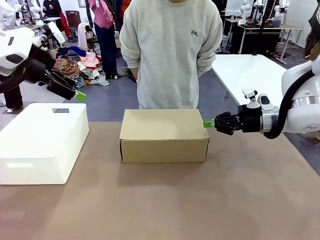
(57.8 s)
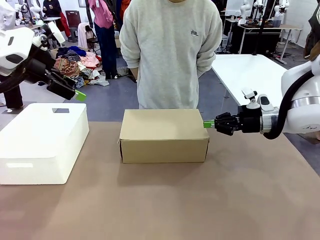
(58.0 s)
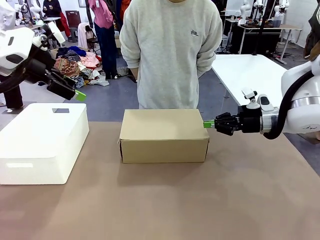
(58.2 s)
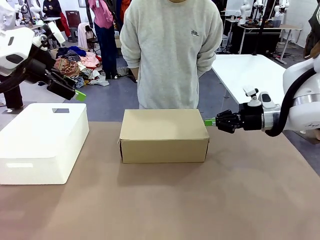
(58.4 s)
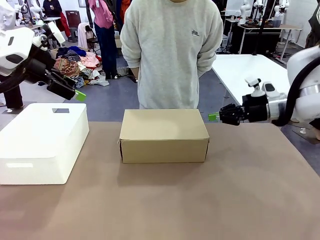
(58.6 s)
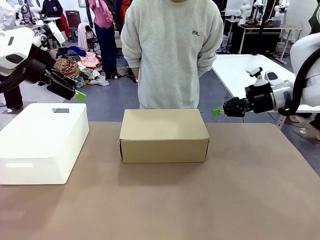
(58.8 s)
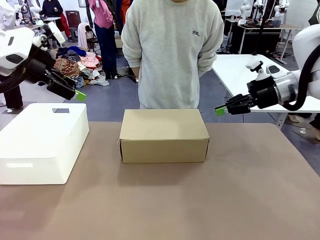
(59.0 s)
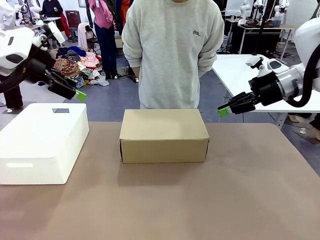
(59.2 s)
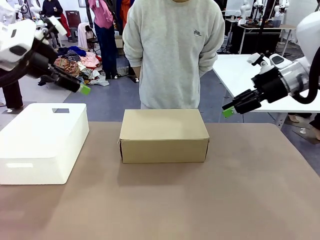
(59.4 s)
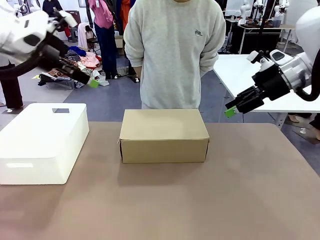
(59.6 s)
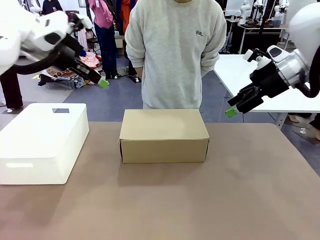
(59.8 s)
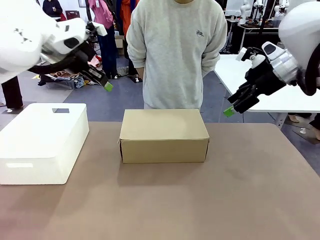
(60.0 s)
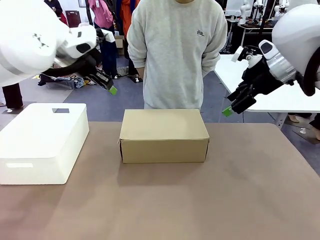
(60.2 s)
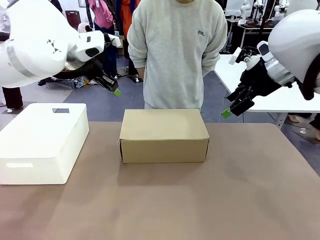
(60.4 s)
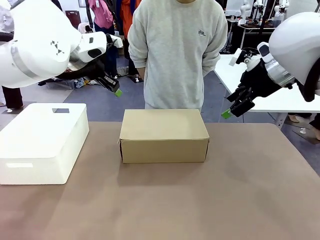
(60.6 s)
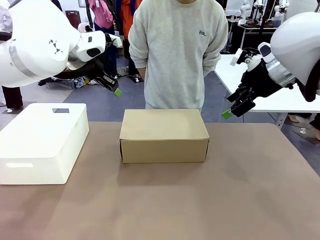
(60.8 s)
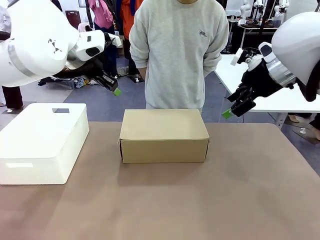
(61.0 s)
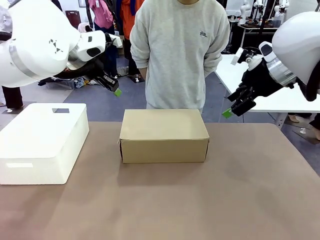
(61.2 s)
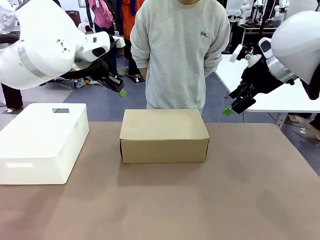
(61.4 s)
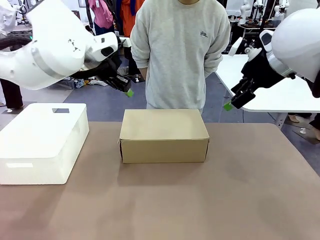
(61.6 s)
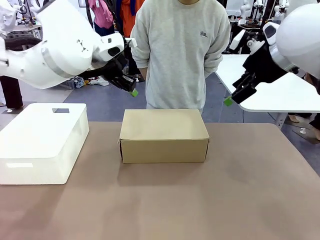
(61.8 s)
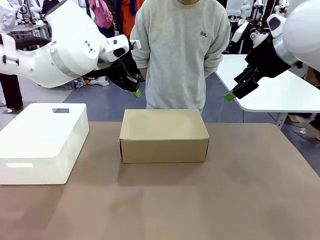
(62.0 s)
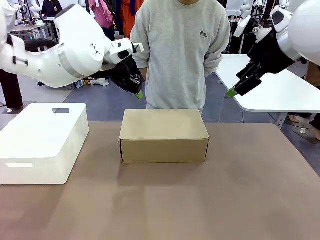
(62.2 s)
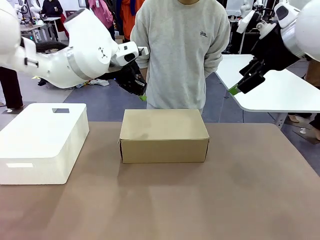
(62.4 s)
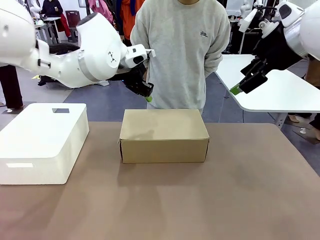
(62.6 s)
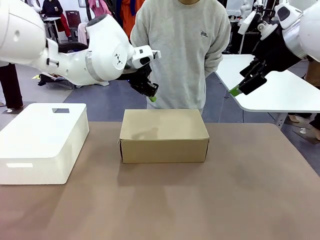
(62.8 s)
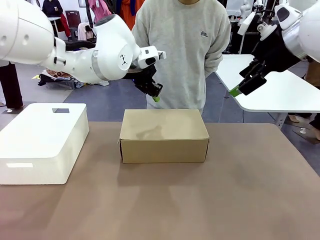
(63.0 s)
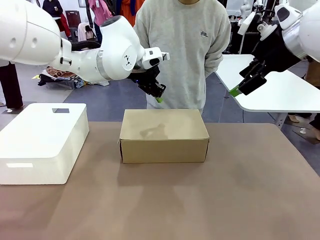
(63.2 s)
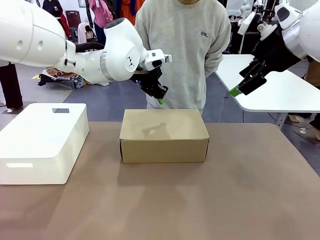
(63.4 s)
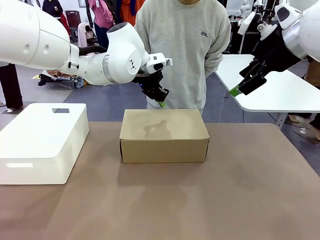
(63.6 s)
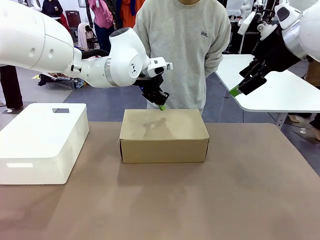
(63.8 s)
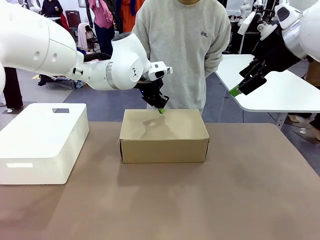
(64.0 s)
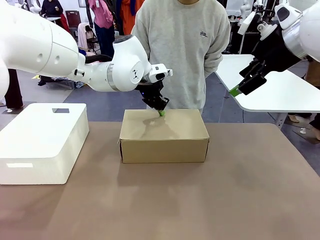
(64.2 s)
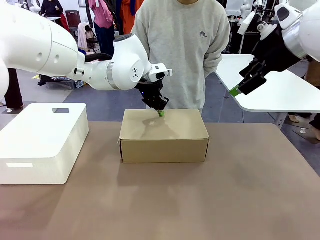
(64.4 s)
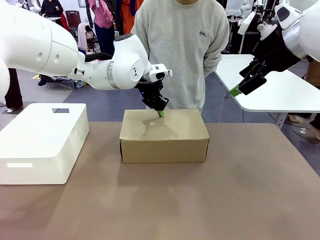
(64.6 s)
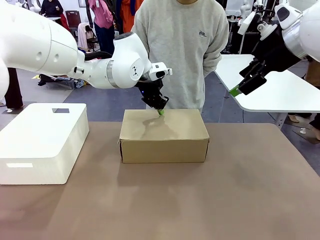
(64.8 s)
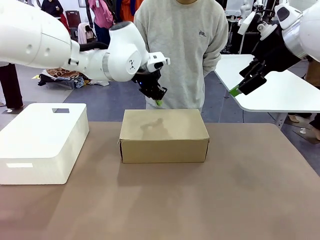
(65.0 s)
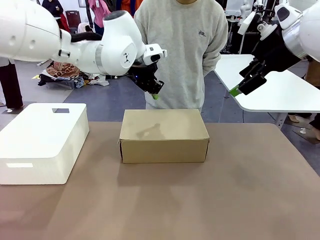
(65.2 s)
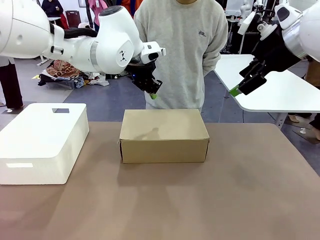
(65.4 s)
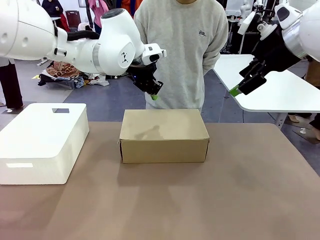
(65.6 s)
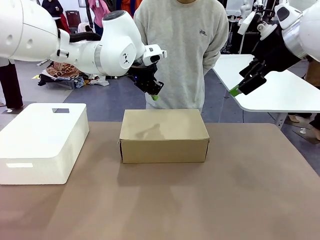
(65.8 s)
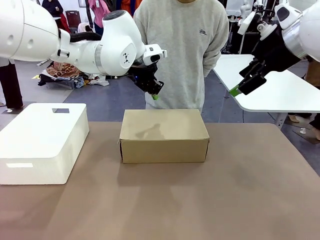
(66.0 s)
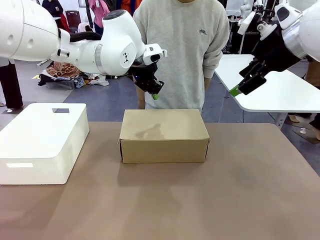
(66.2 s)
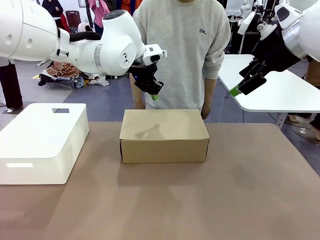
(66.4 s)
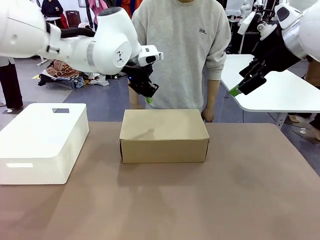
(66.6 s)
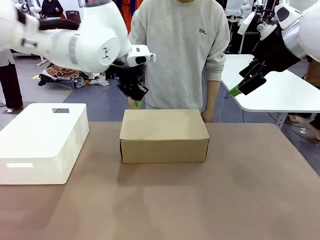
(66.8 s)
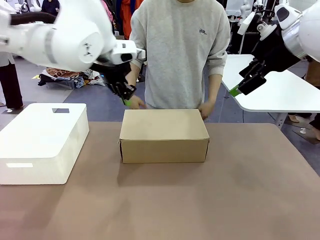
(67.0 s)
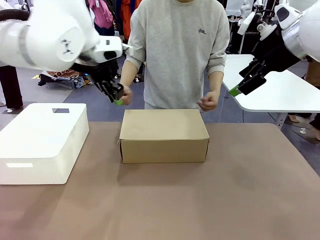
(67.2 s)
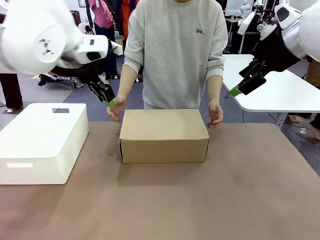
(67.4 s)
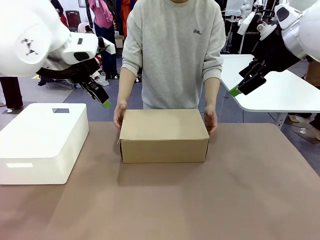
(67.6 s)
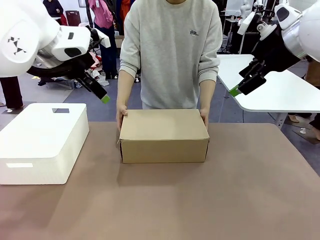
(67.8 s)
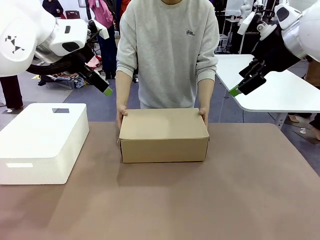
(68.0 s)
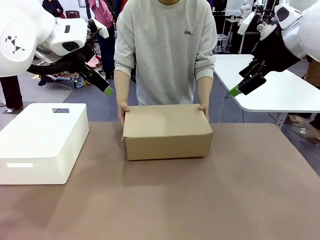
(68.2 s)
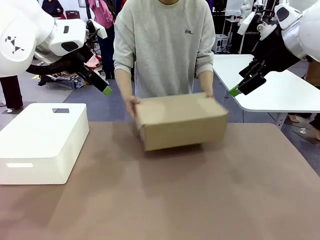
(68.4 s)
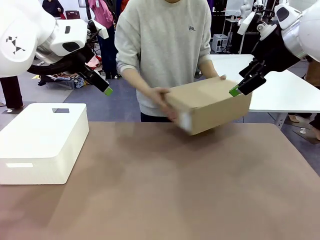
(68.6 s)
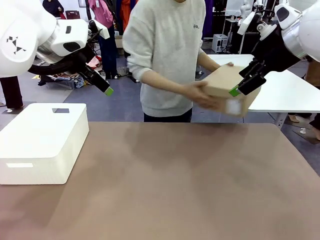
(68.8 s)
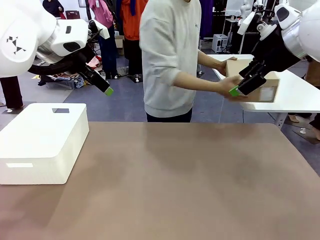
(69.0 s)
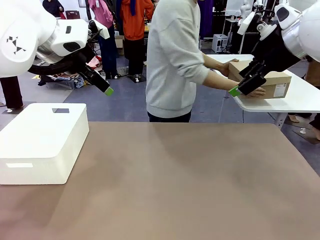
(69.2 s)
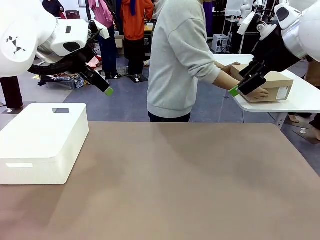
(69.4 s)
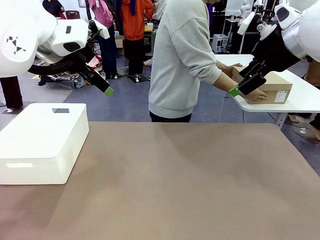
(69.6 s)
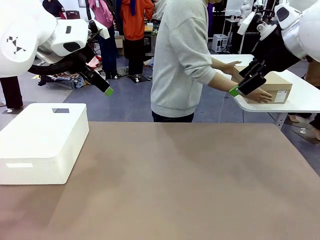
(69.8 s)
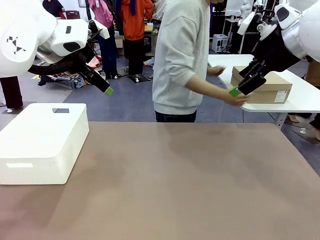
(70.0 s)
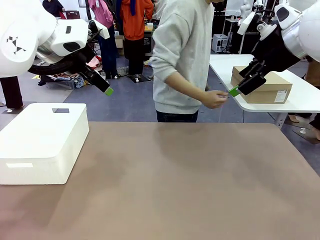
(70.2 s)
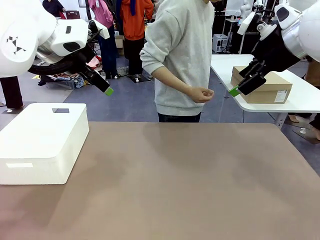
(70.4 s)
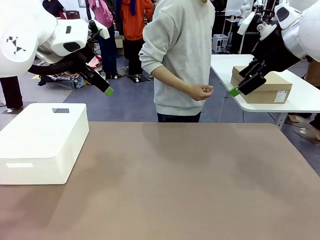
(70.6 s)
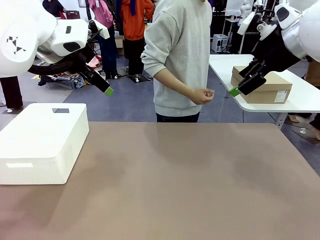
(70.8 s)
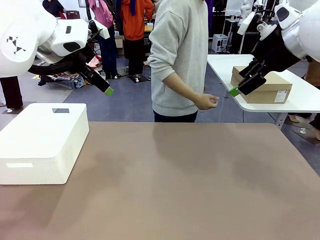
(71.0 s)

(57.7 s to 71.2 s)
Task: Pack the shoes into the box.
Robot: Press down on the lid of the Shoes Box.
Person: Place the closed Shoes Box to the right side of the human table.

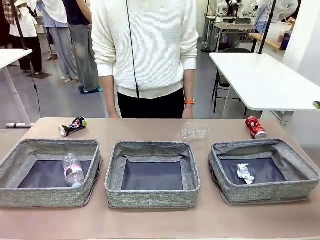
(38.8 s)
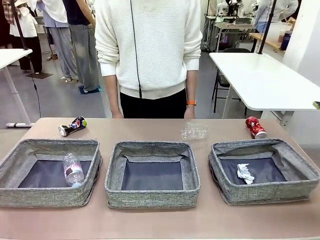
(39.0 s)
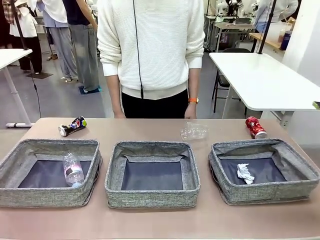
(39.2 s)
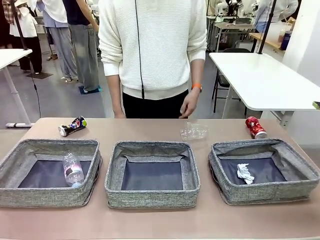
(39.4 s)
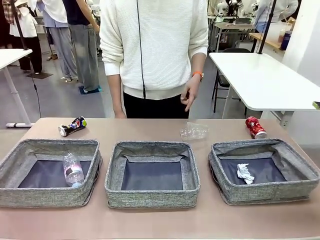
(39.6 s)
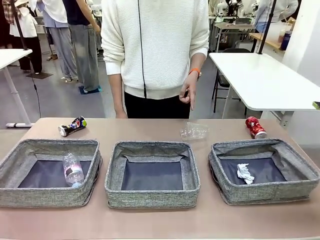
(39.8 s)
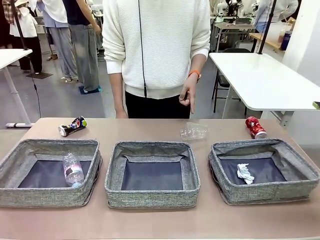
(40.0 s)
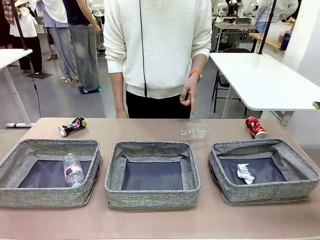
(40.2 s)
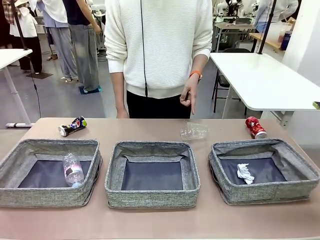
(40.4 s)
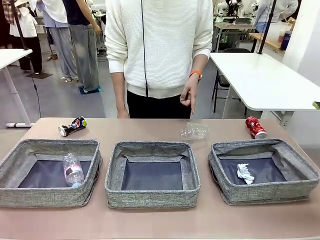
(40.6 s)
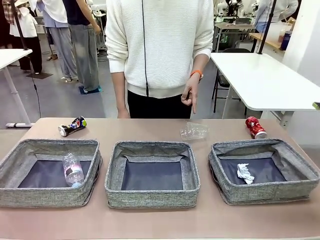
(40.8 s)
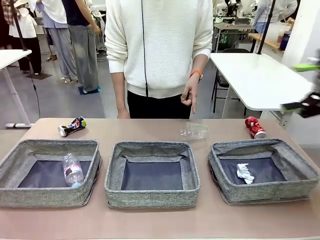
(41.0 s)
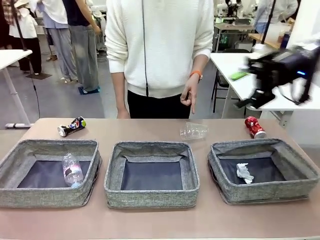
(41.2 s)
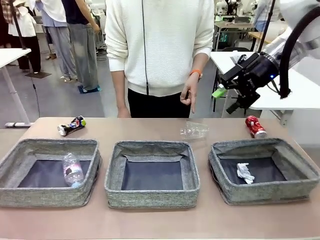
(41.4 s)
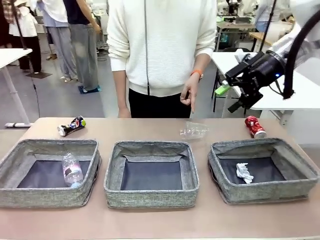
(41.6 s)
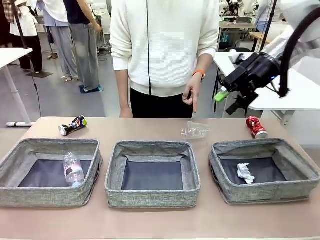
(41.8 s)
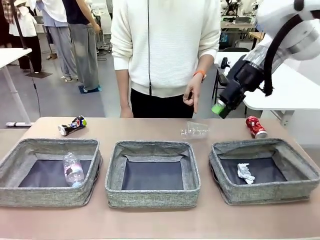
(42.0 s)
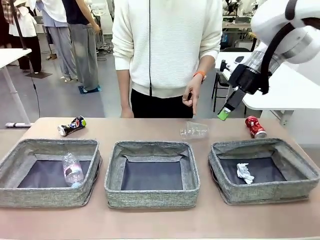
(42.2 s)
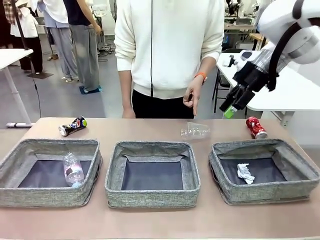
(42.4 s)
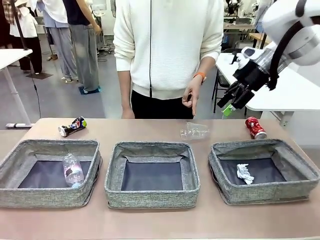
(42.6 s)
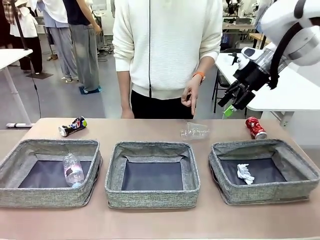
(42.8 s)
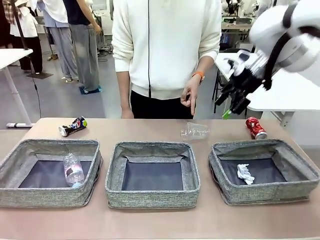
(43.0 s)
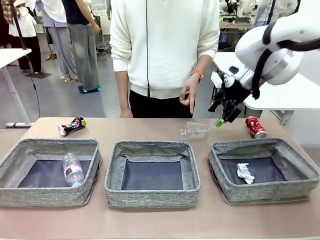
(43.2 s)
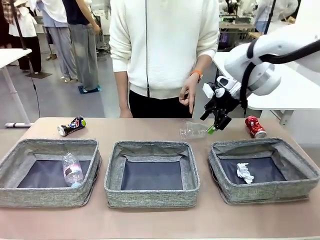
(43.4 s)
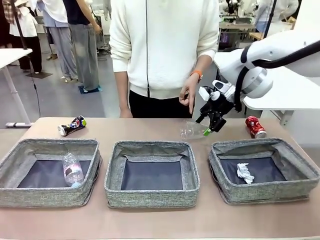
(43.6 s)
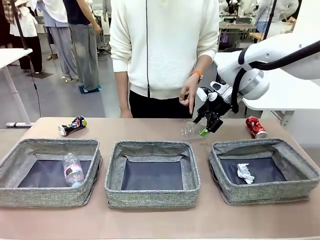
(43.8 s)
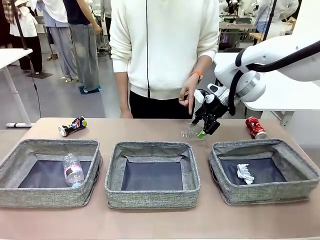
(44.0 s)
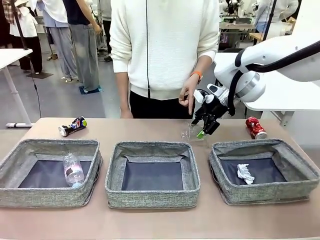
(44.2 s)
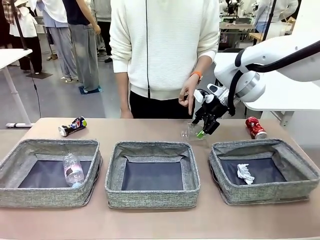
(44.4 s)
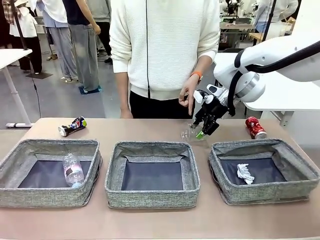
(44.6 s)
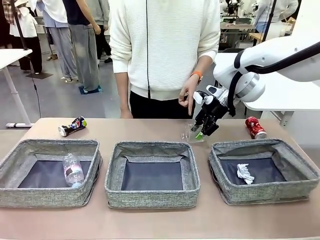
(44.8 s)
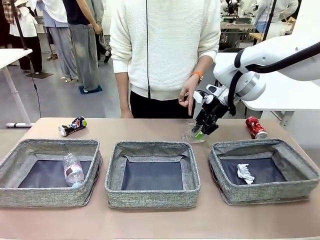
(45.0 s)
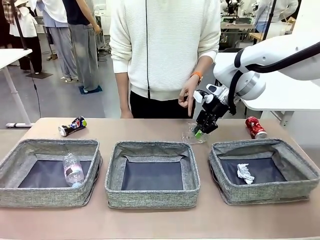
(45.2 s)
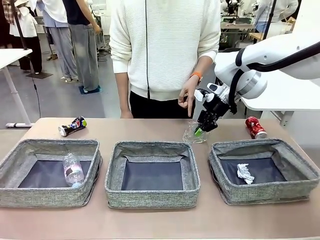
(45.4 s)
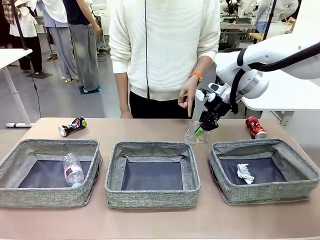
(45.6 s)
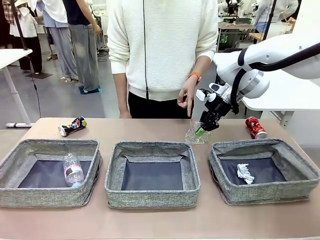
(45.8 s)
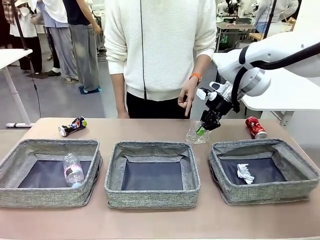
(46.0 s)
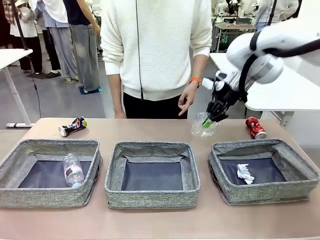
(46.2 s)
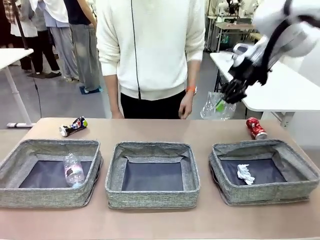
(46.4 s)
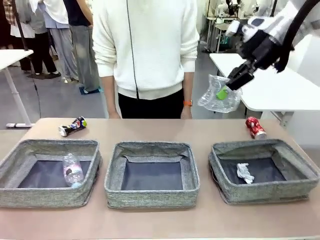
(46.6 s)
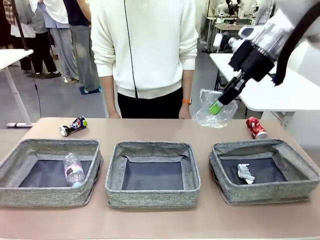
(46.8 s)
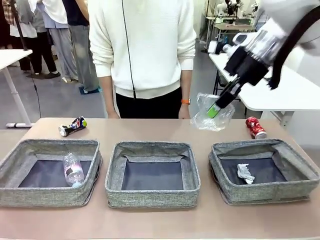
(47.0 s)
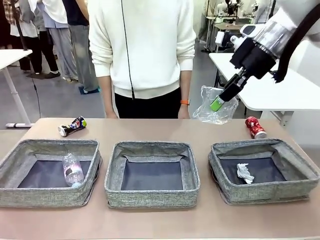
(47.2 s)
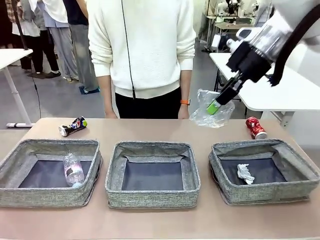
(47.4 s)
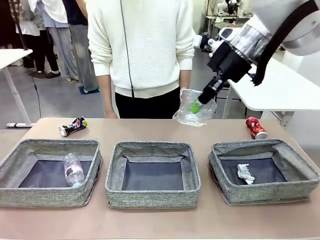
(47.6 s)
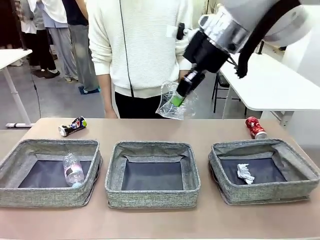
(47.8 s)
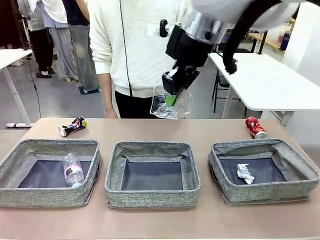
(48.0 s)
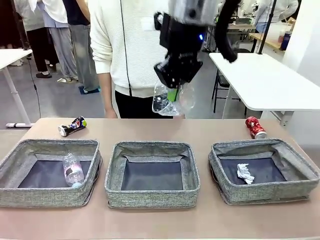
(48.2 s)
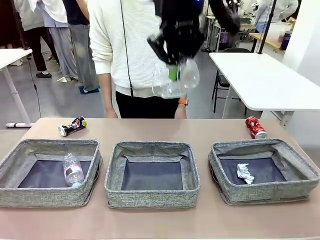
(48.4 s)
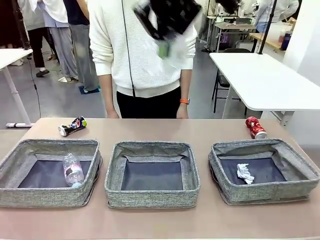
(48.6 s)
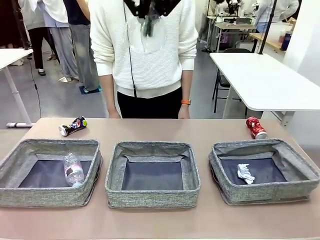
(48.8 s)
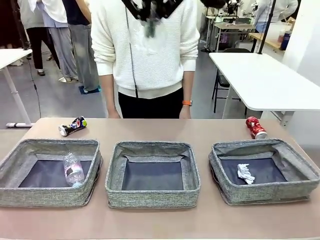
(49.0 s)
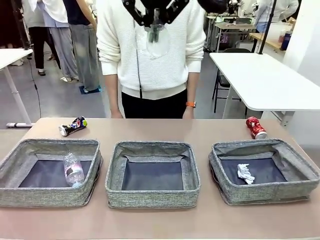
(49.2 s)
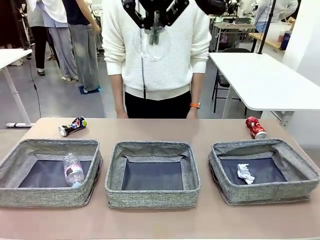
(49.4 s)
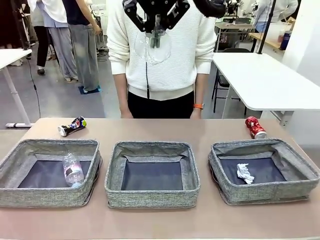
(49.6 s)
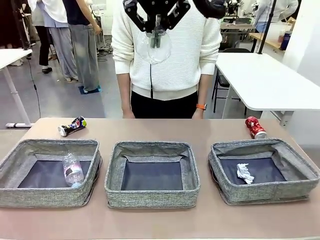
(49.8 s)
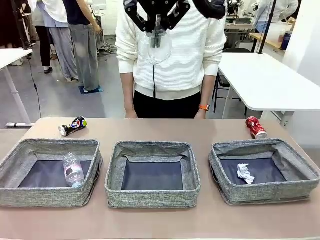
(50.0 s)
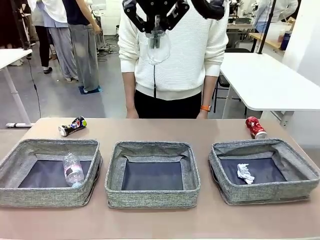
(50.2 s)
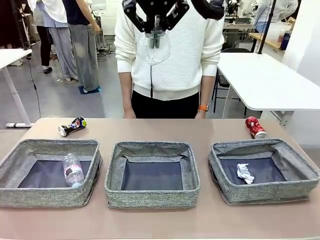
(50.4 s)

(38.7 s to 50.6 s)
Task: Sort the waste into the appropriate baskets.
Robot: Pick up the waste item pointed out by the person.
Person: Points to one piece of trash on the table.
